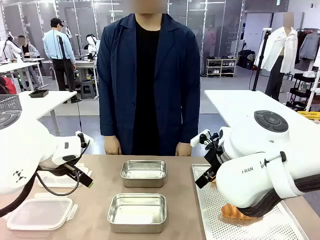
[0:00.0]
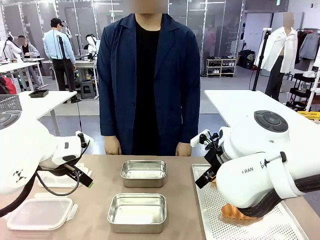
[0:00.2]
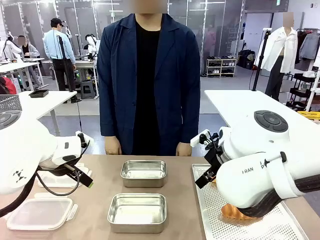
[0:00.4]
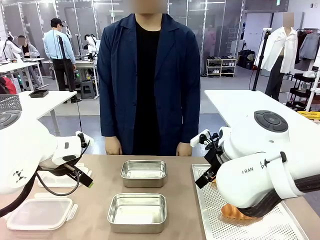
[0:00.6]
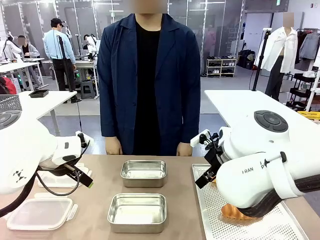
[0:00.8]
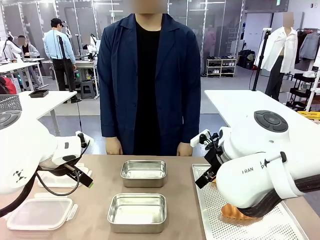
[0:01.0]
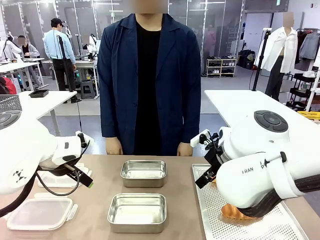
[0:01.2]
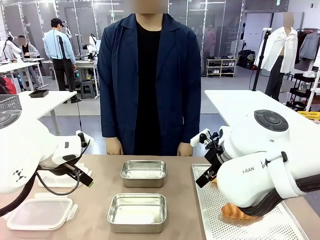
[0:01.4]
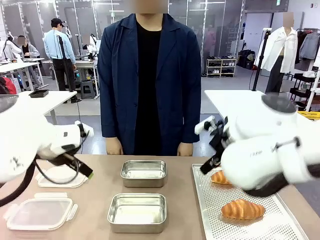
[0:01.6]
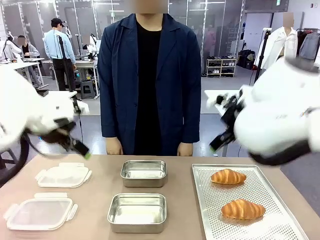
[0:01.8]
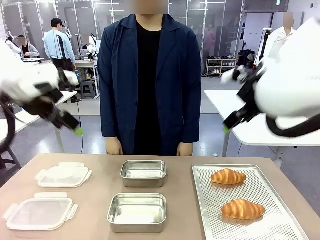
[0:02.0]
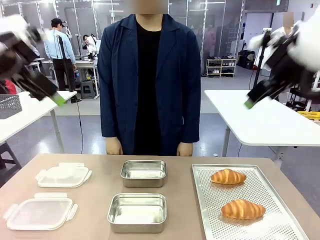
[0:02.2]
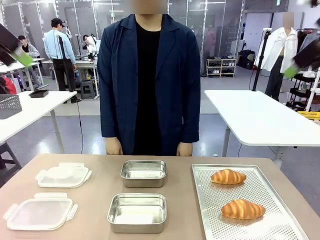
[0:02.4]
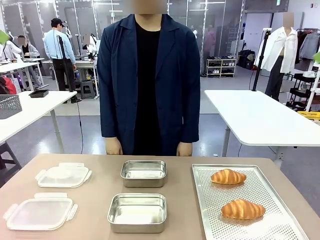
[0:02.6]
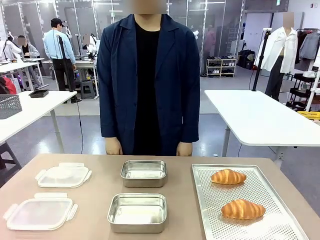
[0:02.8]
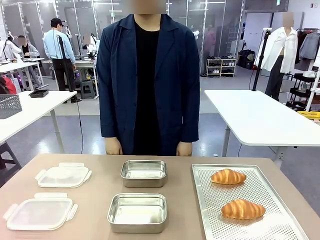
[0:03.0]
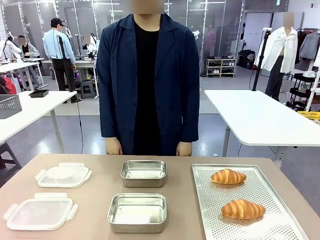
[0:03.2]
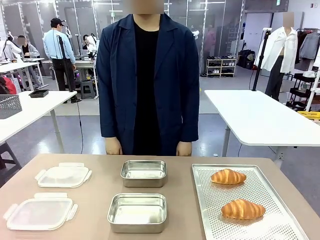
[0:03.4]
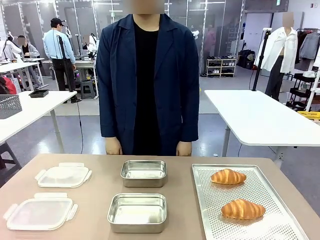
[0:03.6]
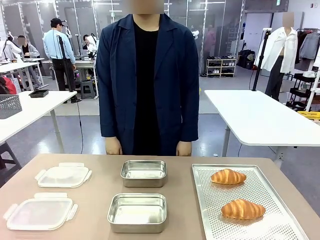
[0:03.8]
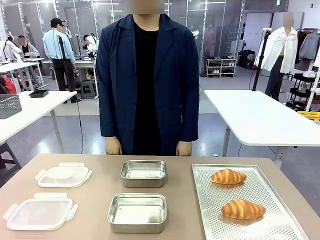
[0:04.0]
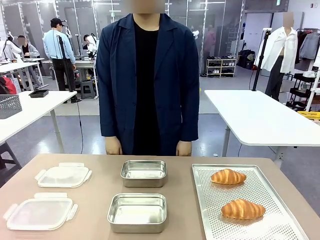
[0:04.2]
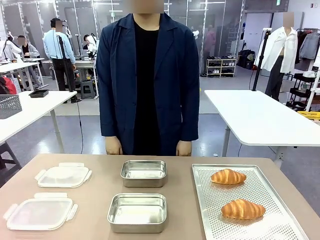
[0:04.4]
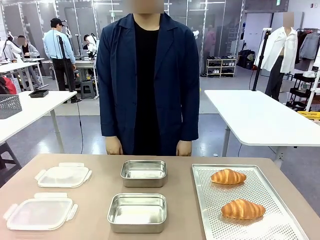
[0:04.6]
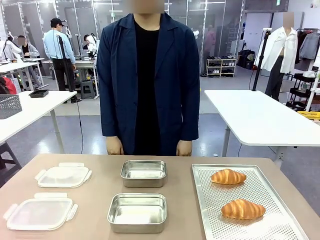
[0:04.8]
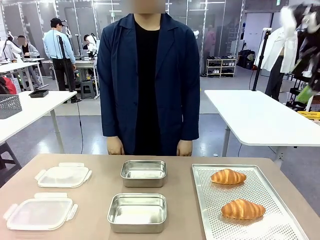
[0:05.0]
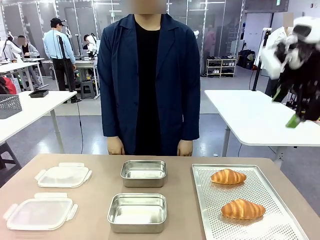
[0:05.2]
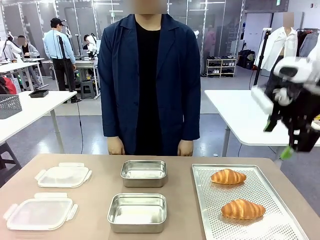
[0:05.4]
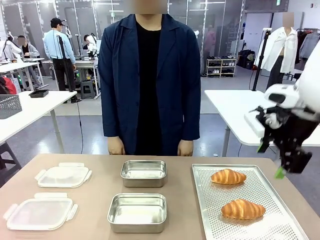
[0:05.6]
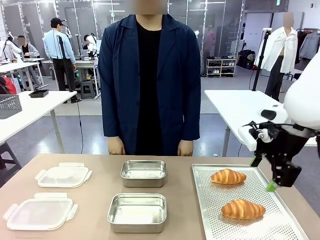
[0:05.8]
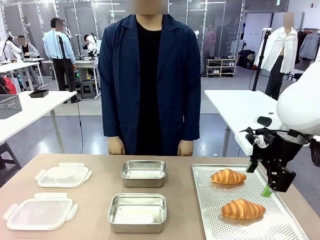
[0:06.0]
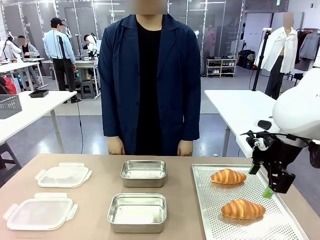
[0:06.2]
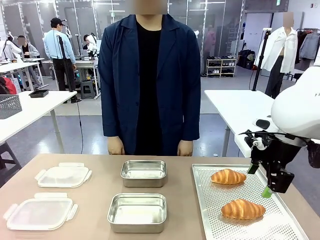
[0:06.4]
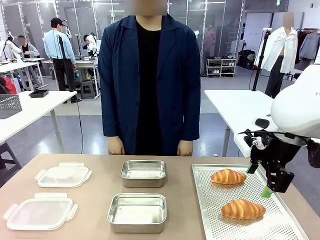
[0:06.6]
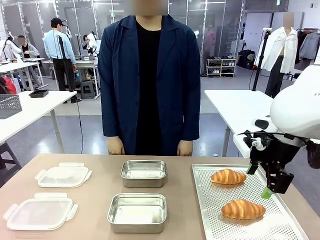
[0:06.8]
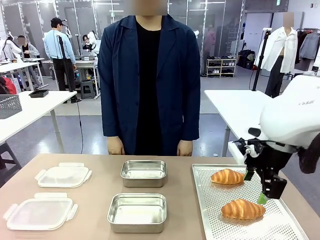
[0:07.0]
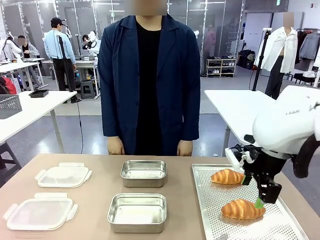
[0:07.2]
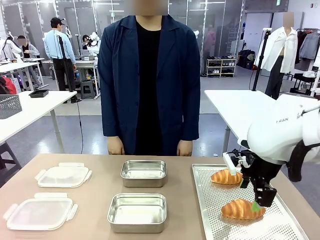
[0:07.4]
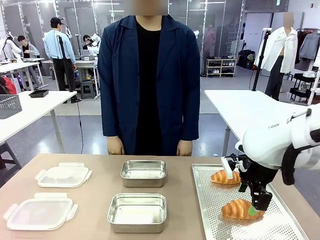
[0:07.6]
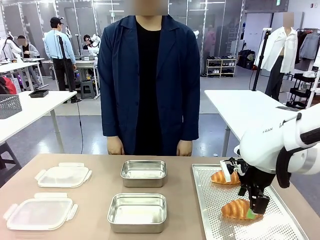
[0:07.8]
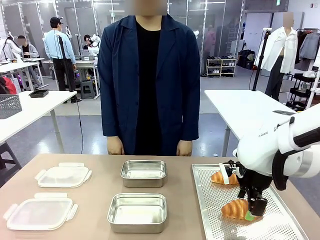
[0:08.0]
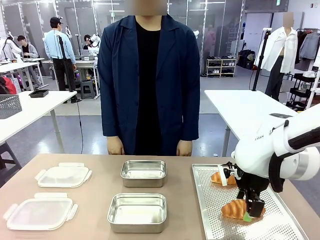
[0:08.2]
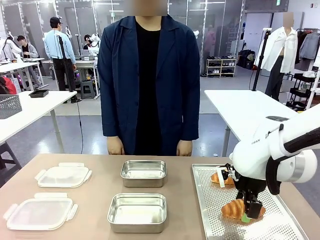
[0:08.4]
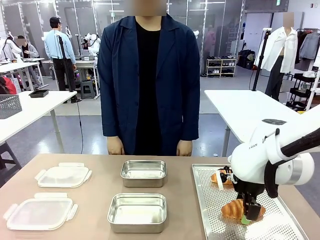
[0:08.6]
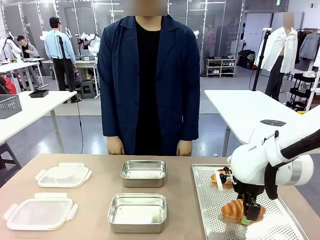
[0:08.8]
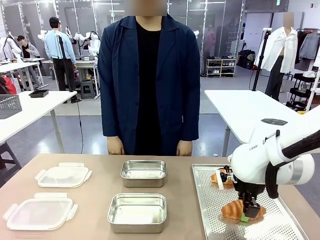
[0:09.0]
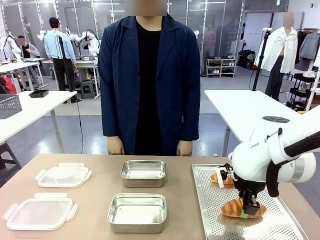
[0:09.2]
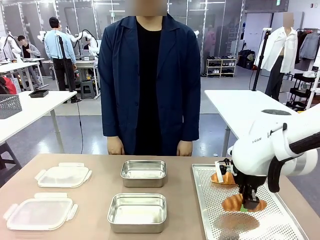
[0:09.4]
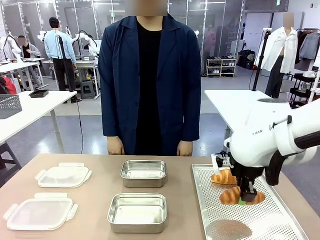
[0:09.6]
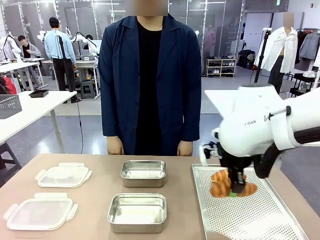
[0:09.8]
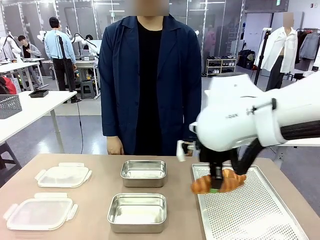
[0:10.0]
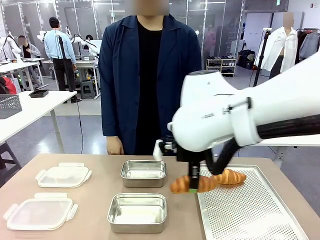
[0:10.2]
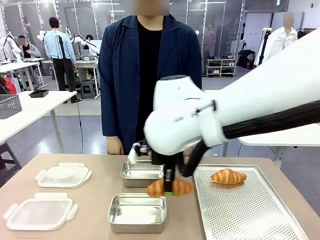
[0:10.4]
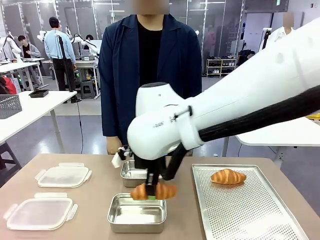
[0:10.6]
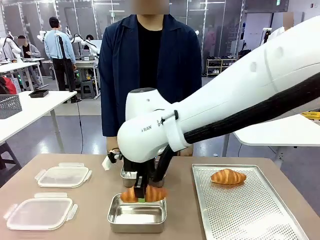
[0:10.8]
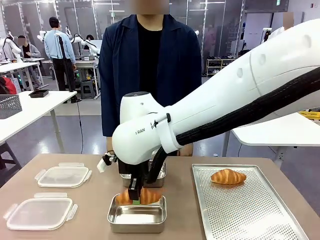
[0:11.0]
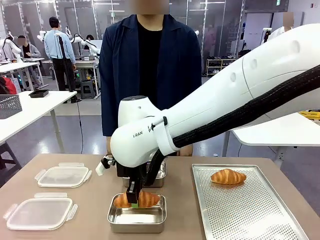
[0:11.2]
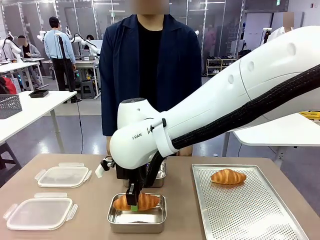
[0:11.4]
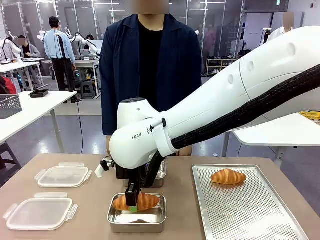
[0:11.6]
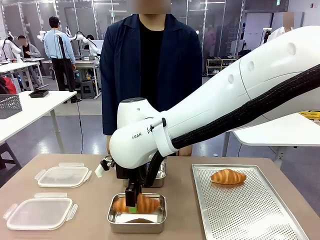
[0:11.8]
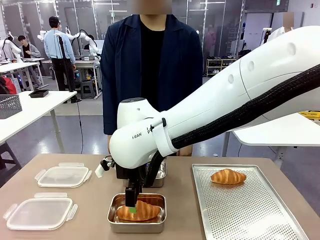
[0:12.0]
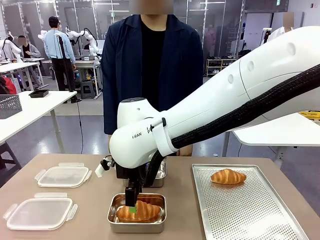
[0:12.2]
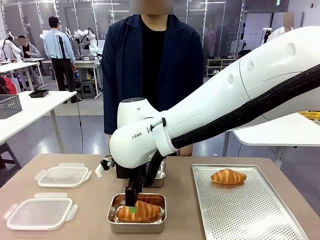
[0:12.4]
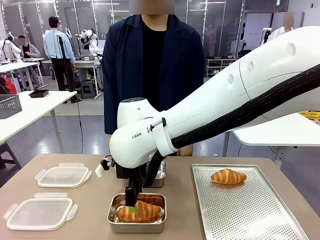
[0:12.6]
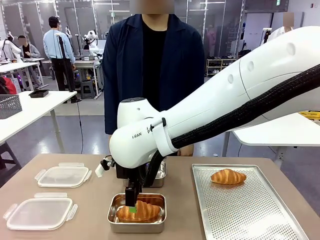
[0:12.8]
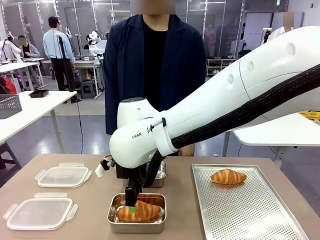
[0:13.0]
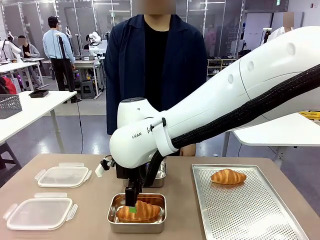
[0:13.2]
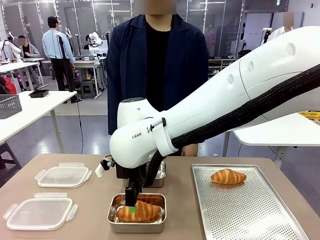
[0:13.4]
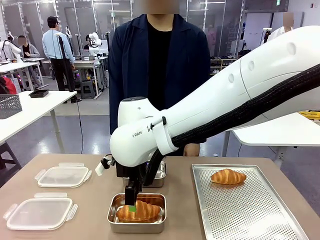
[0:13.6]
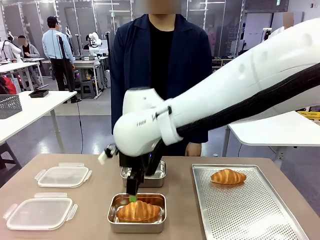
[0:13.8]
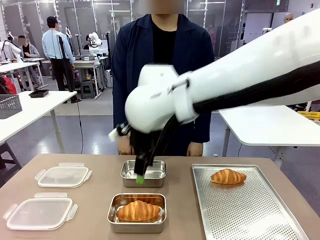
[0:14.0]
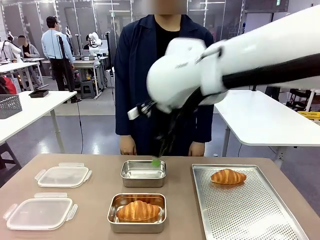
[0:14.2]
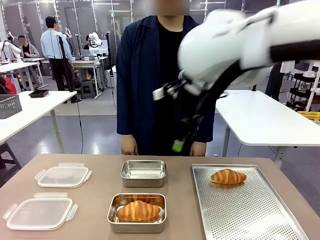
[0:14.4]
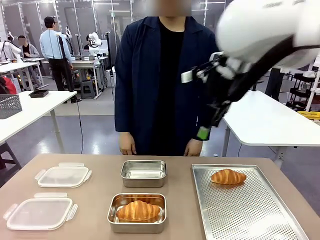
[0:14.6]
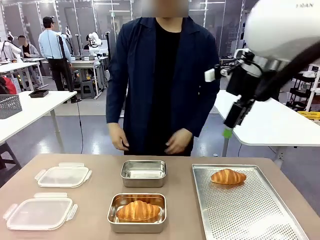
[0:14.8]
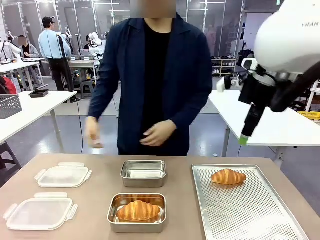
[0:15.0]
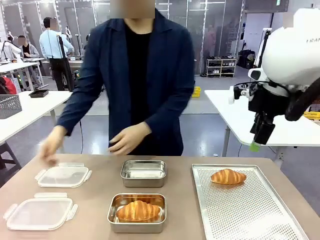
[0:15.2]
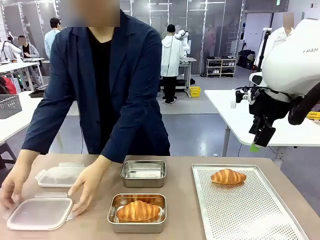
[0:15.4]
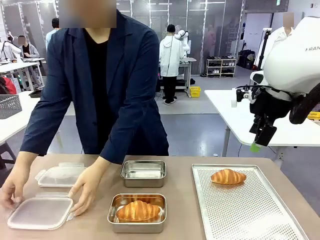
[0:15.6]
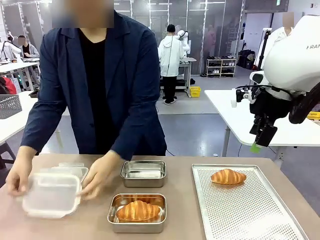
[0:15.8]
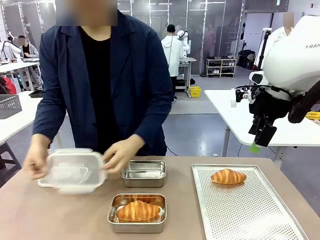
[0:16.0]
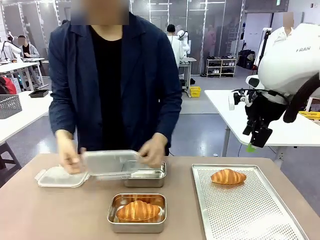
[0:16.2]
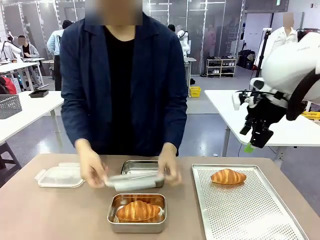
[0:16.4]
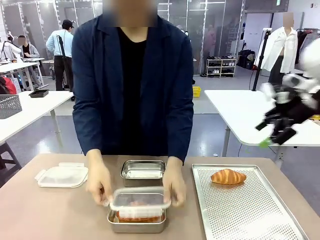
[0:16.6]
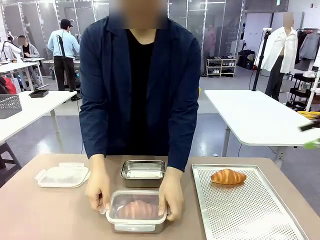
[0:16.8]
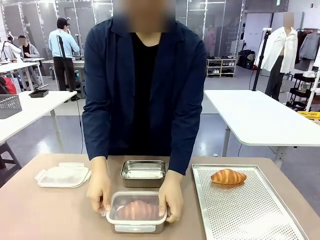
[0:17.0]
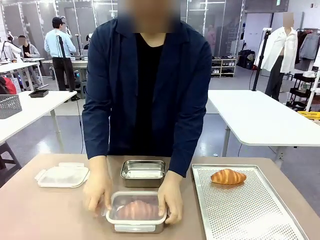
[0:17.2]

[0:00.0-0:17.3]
Task: Place the bread into the airtight container.
Robot: Pick up a Butter Roll and place it into an empty Airtight Container.
